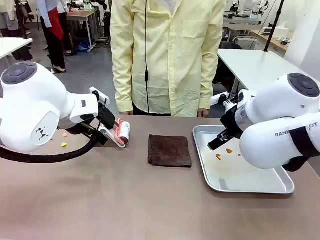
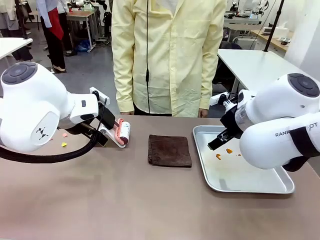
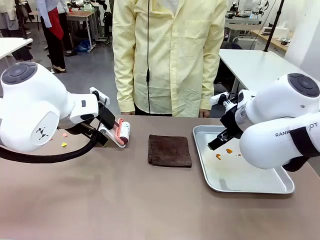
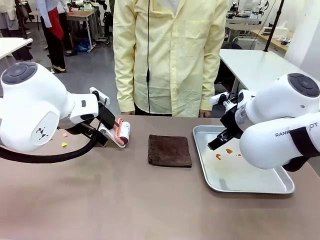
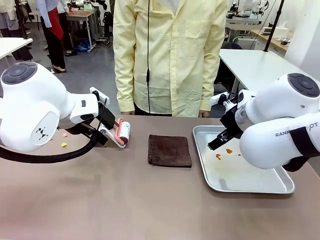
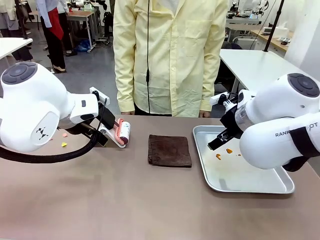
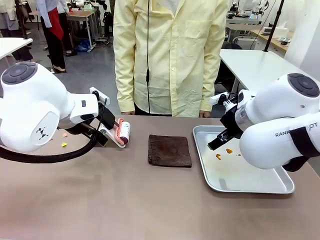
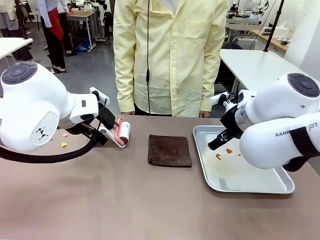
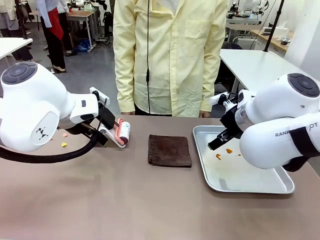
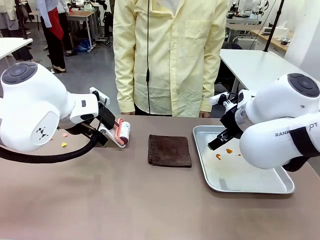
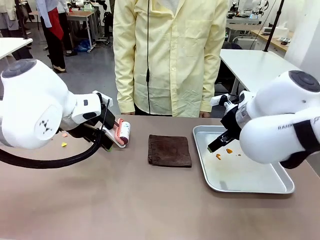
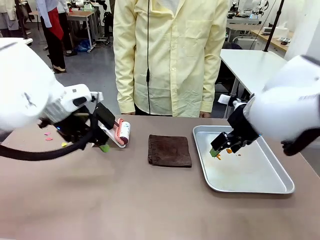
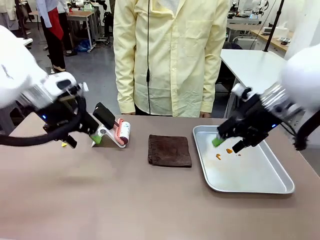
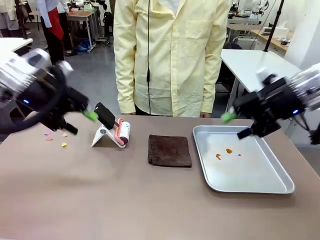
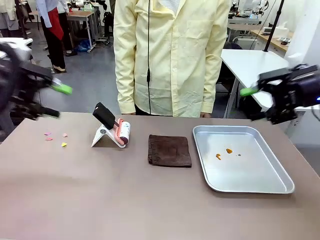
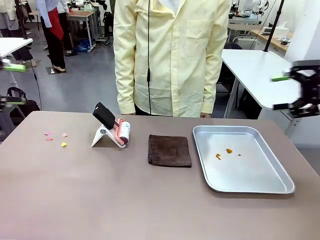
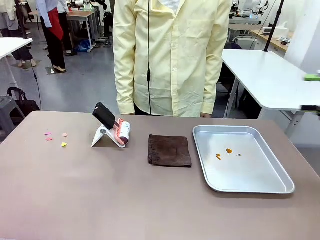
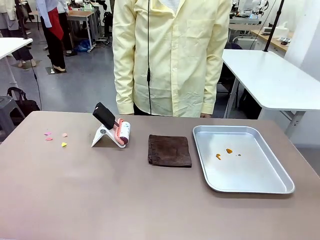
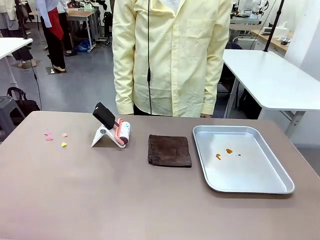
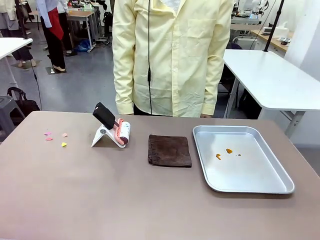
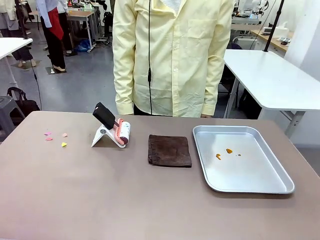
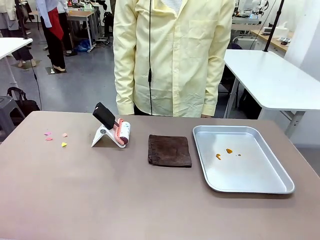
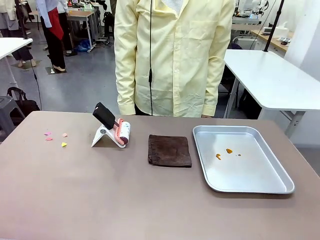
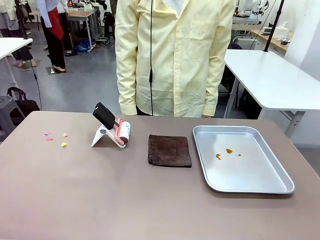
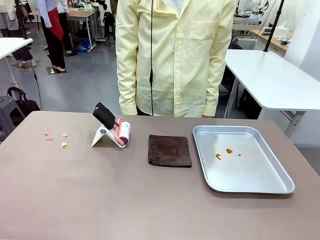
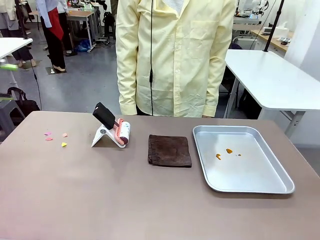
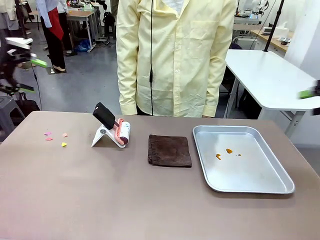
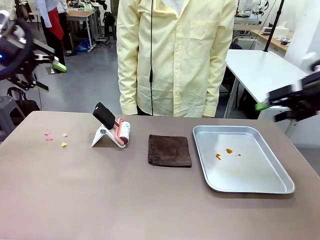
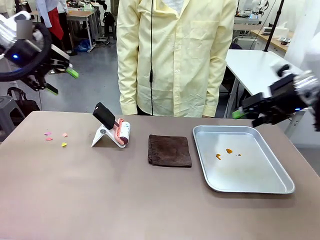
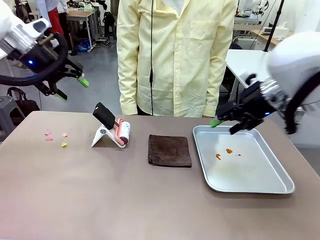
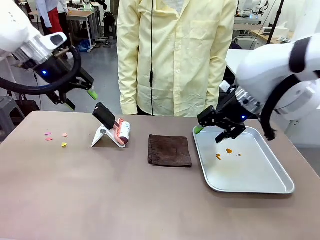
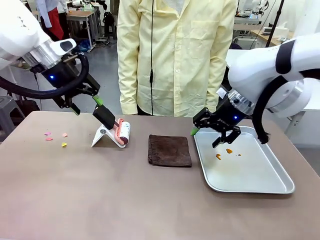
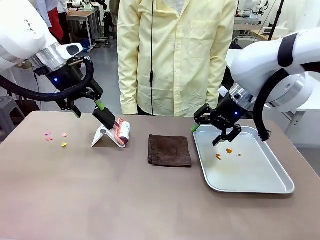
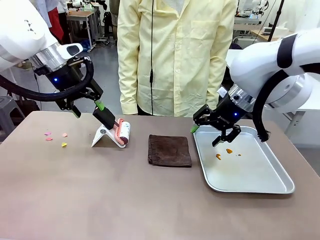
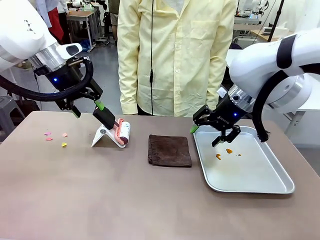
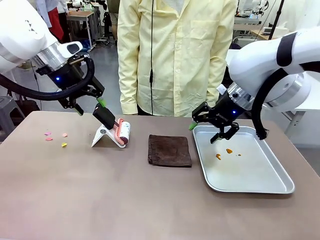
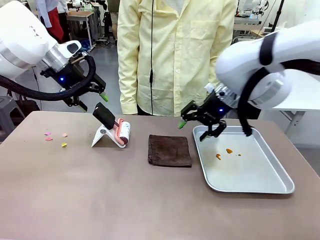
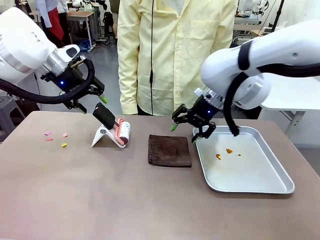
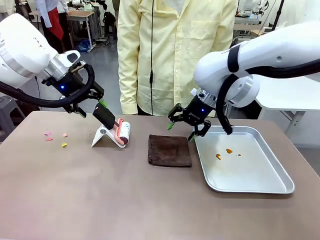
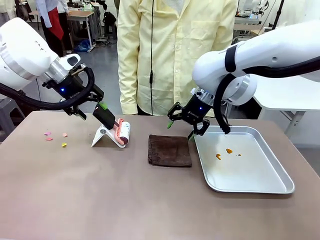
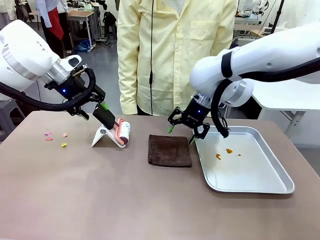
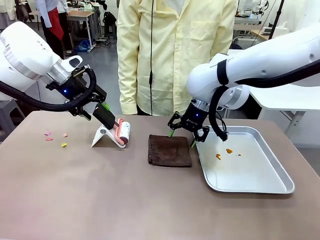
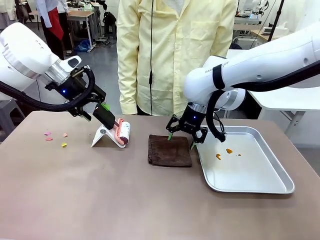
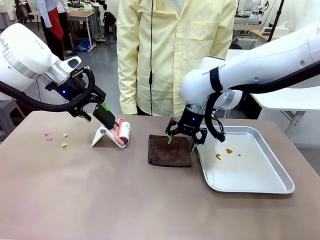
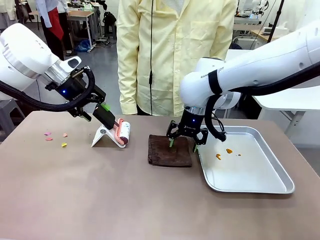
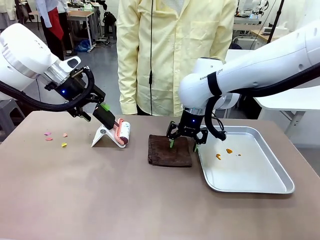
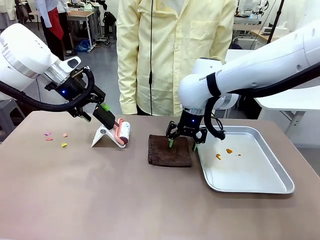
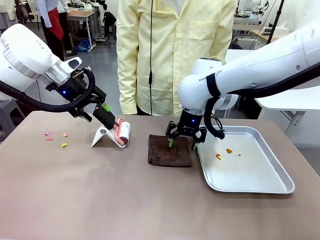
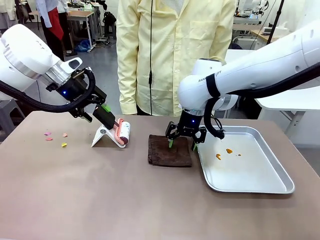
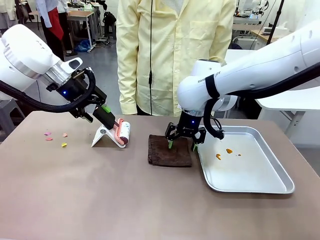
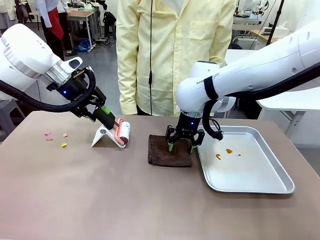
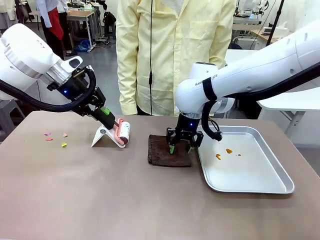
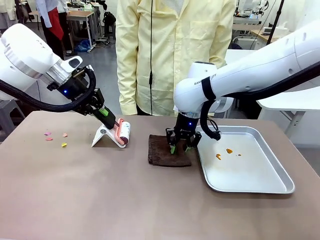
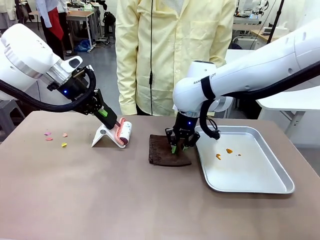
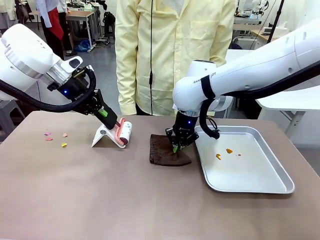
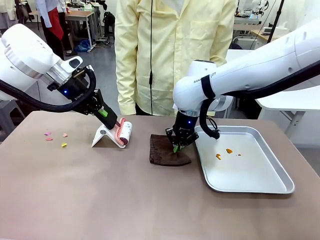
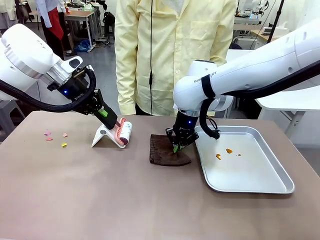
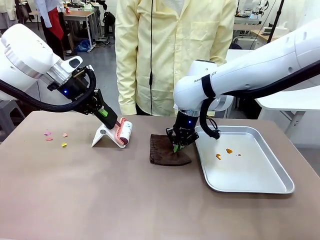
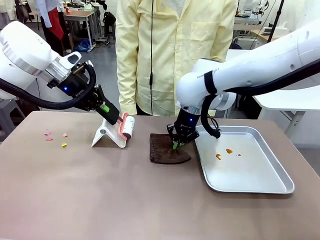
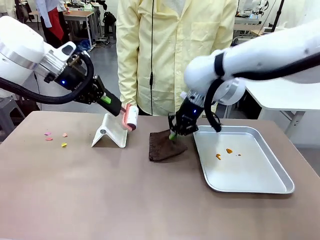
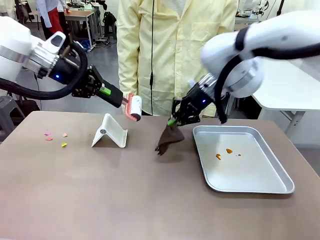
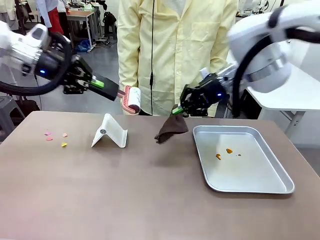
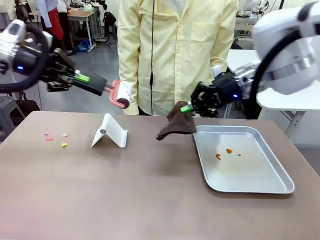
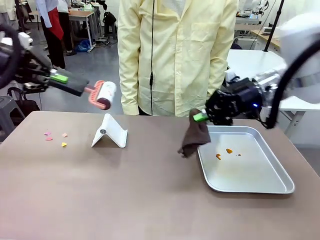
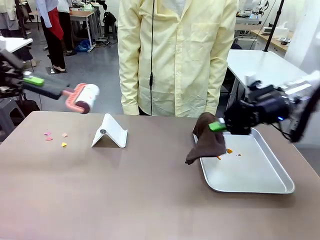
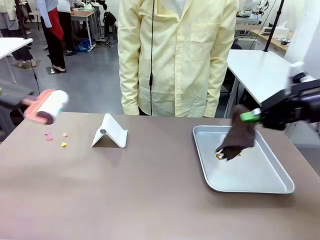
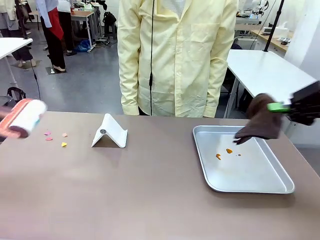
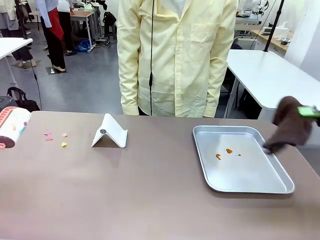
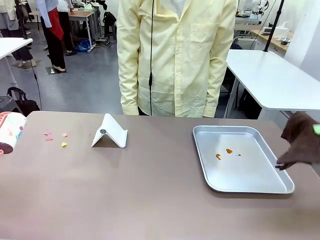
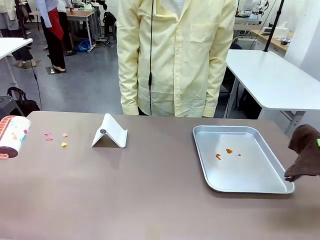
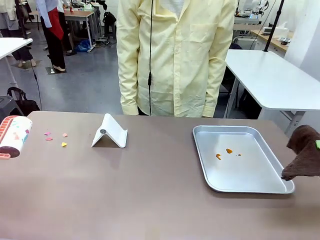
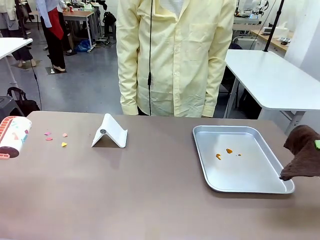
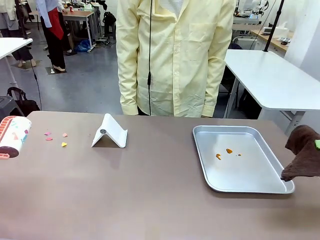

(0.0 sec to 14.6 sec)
Task: Clean the surface of the table.
Robot: Hold the Lint Roller with your left hand and the towel with your right hand.

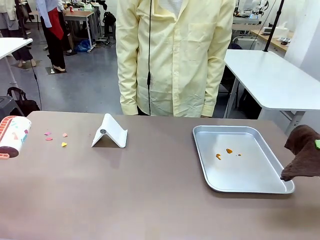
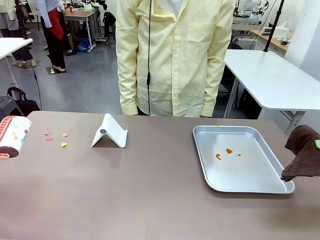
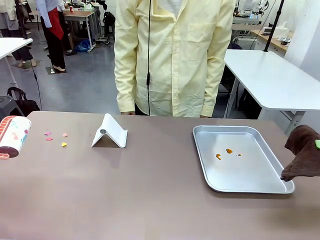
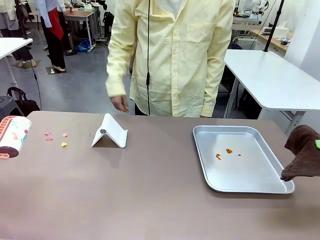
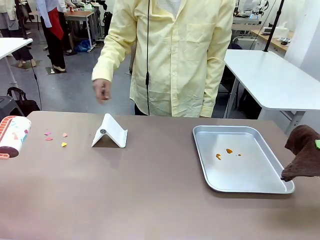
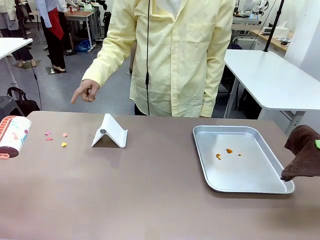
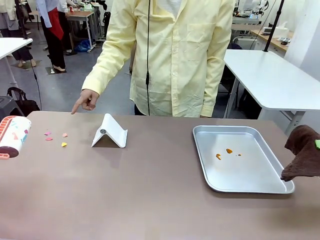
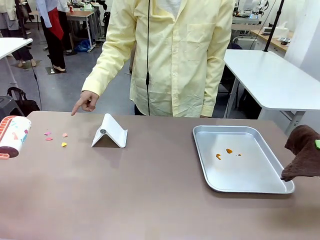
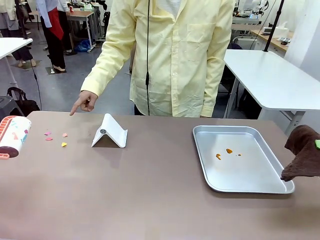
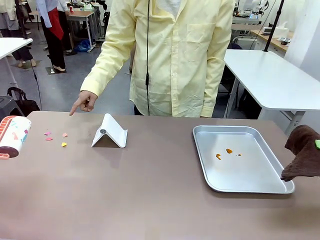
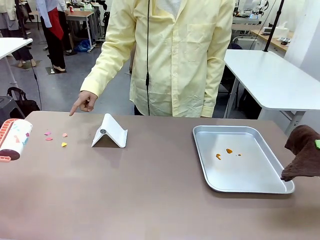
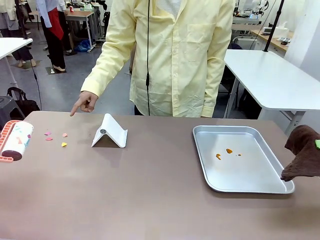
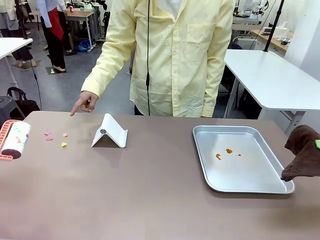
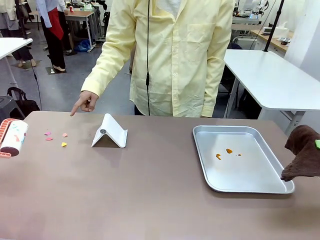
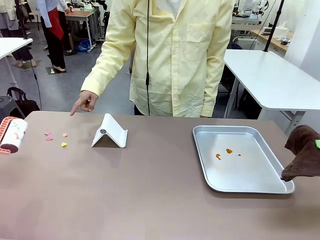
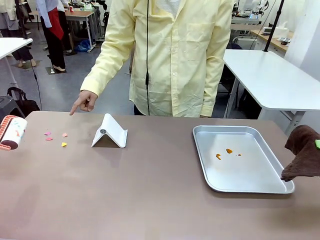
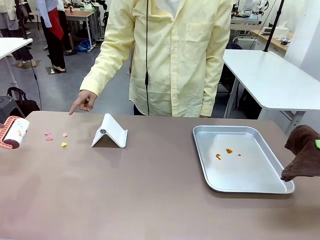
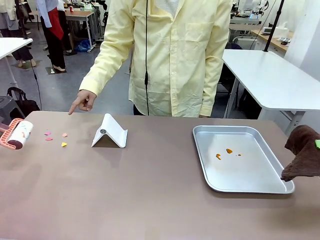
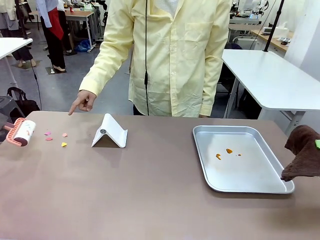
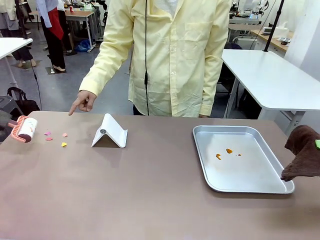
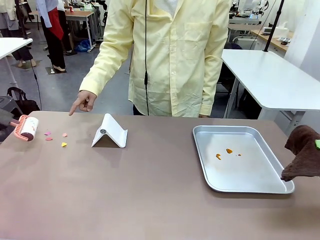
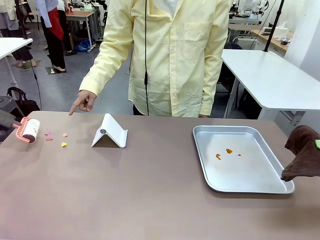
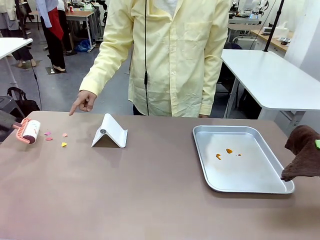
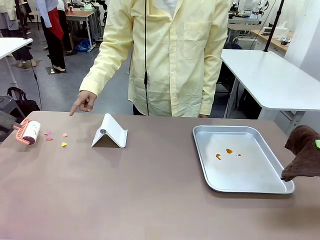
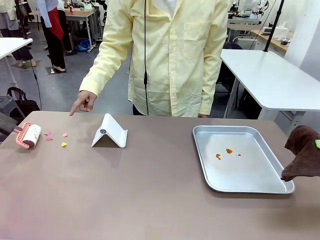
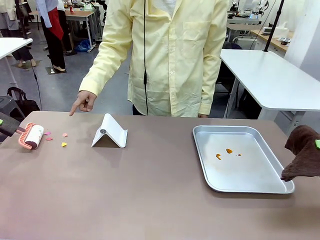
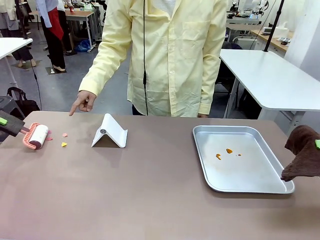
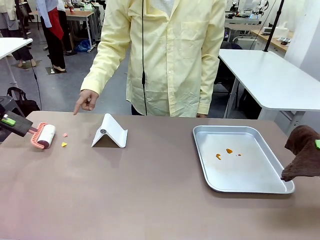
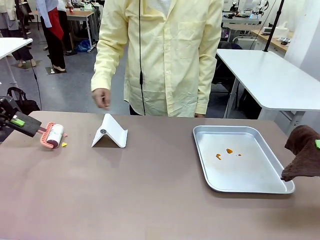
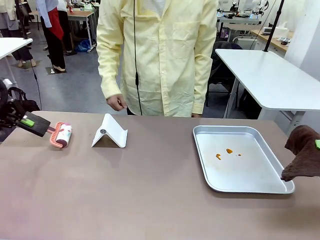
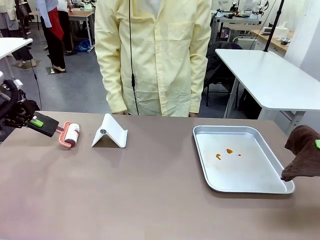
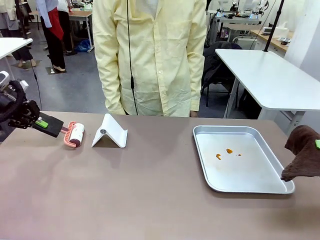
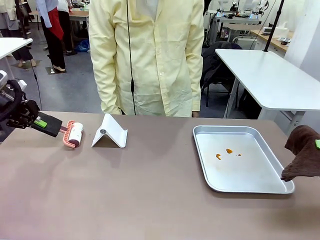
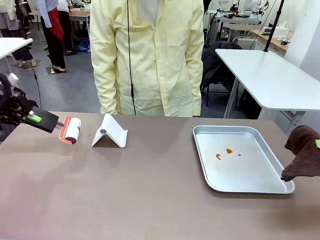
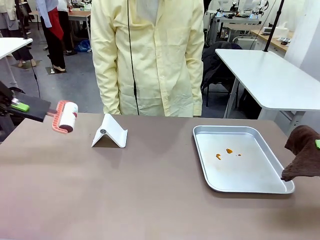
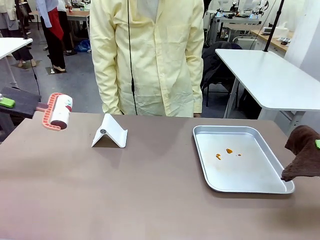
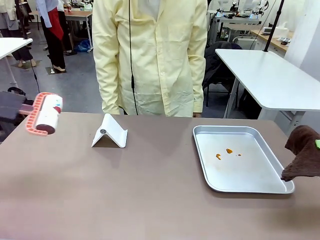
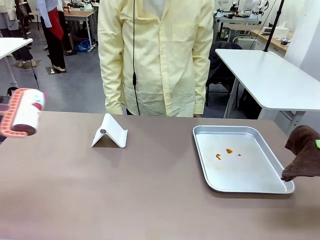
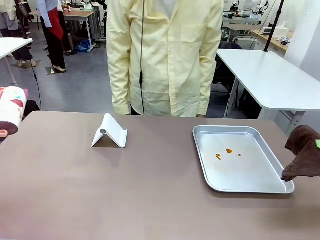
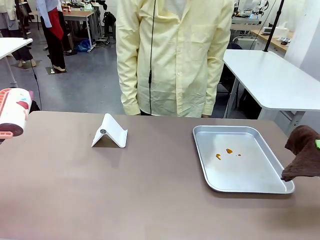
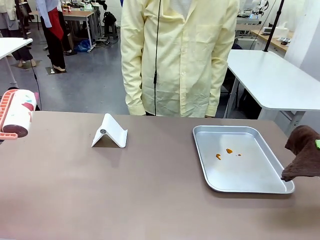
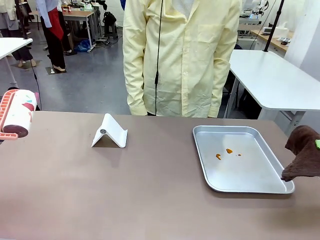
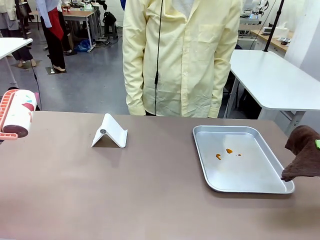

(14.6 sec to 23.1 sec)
Robot: If a person points to the right, clean the right side of the table with your right hand, and if they point to the left, clean the left side with your left hand.
